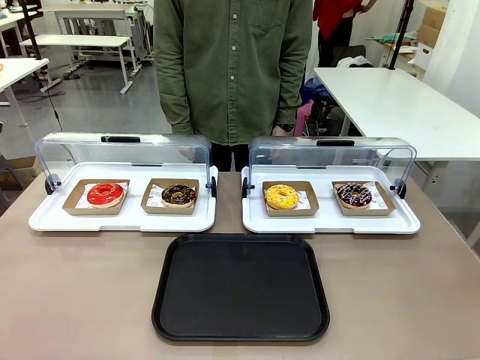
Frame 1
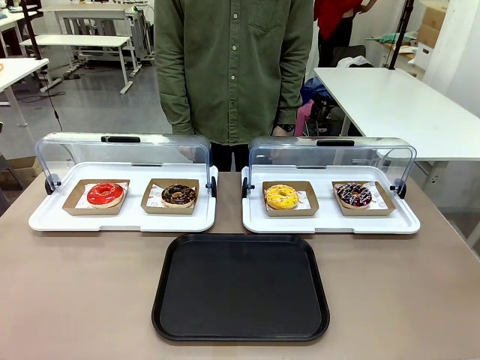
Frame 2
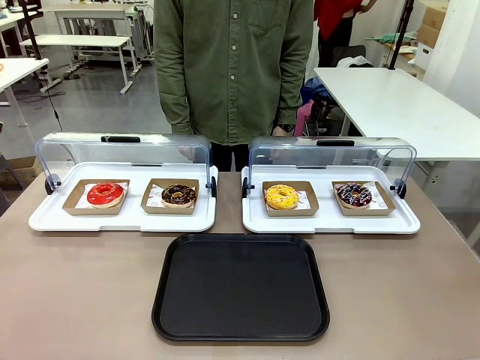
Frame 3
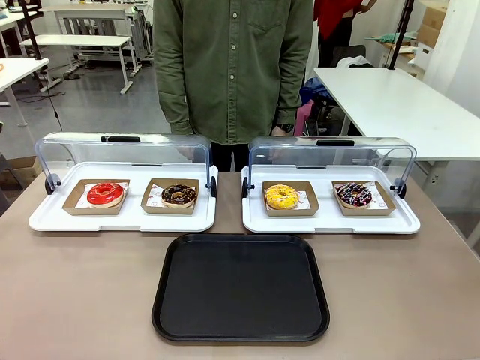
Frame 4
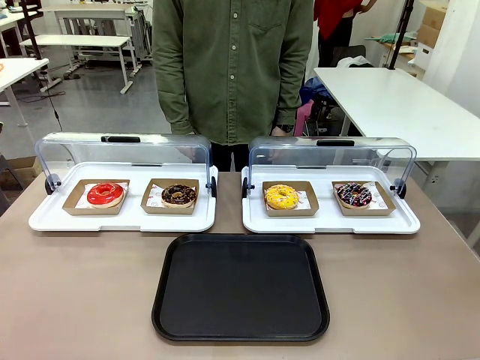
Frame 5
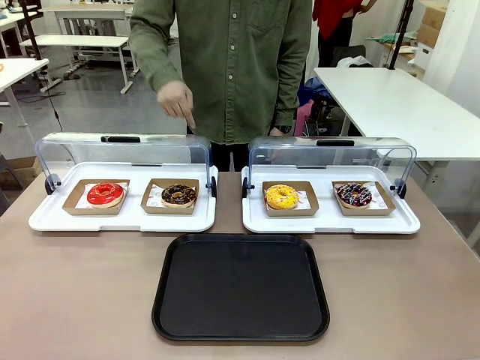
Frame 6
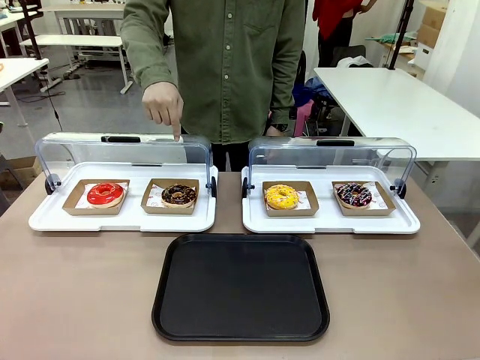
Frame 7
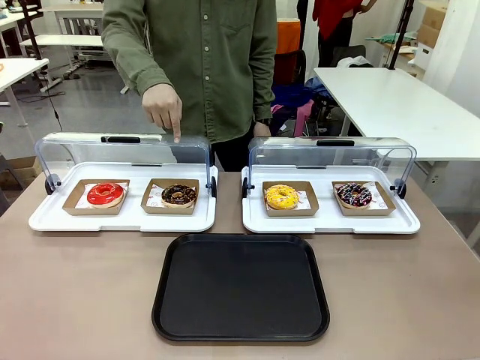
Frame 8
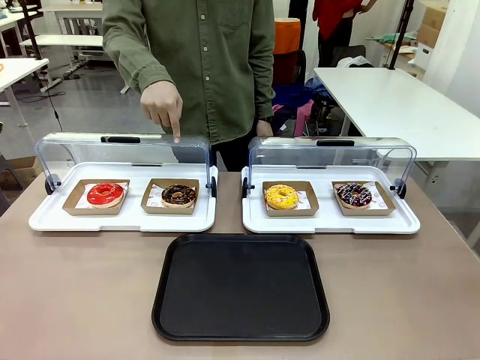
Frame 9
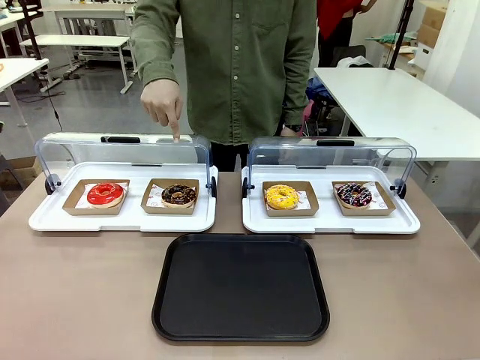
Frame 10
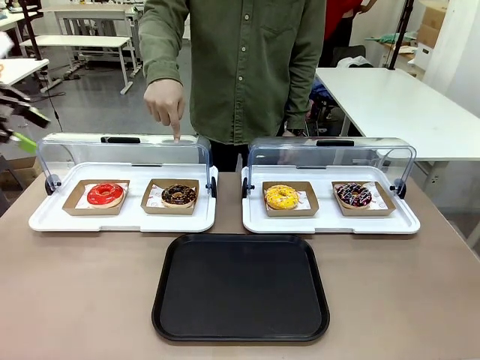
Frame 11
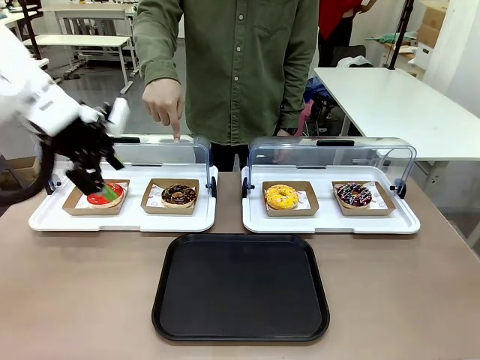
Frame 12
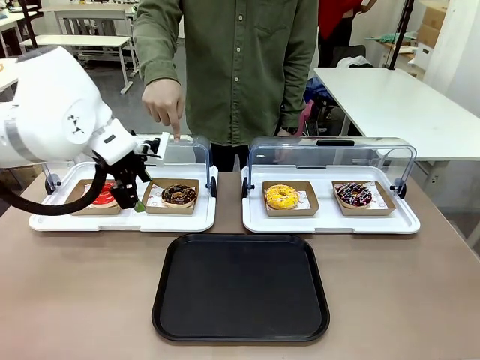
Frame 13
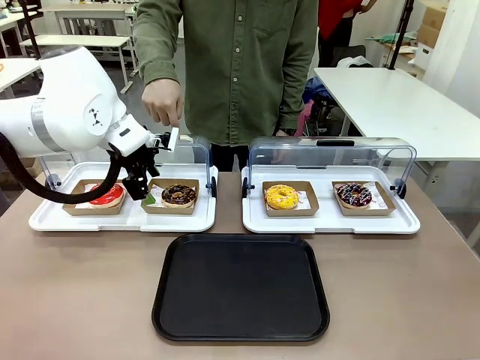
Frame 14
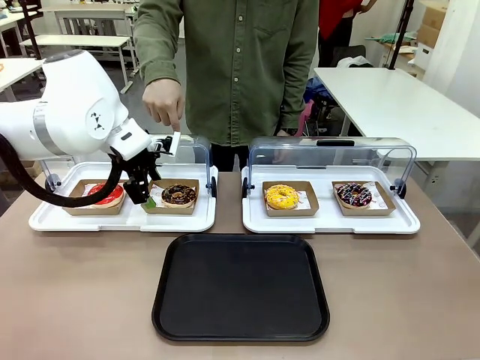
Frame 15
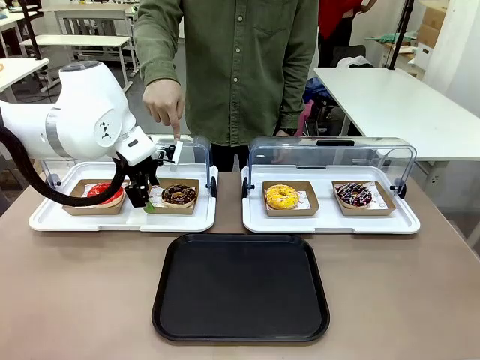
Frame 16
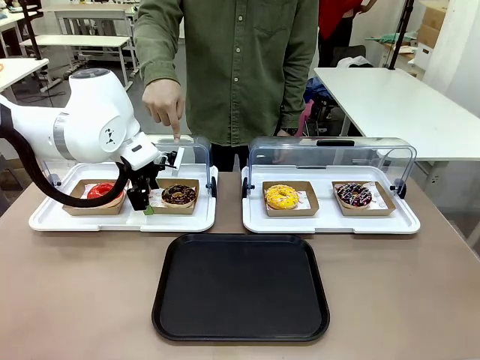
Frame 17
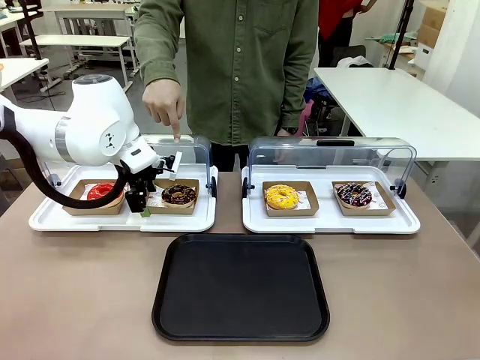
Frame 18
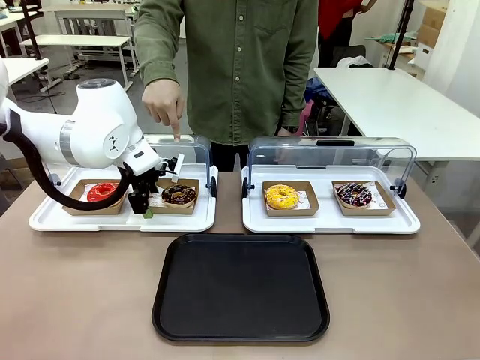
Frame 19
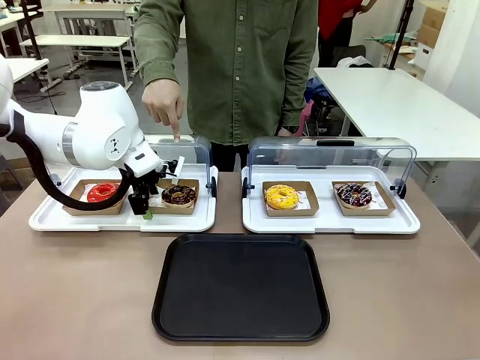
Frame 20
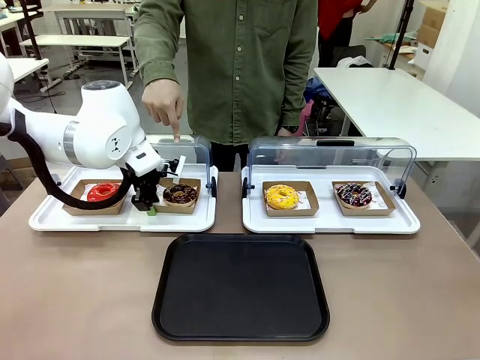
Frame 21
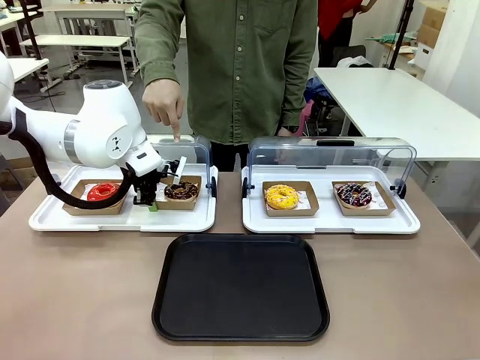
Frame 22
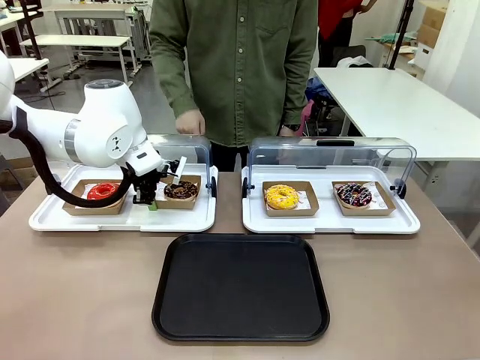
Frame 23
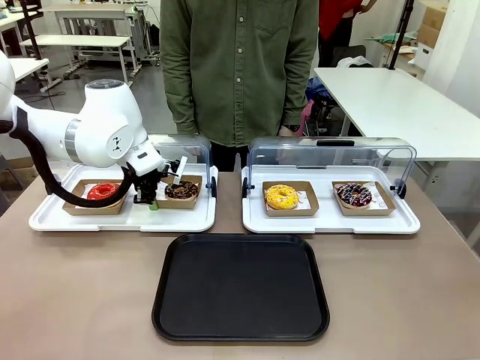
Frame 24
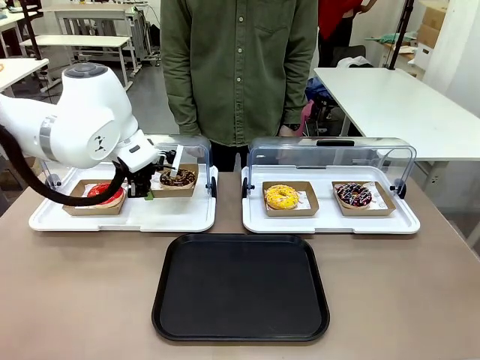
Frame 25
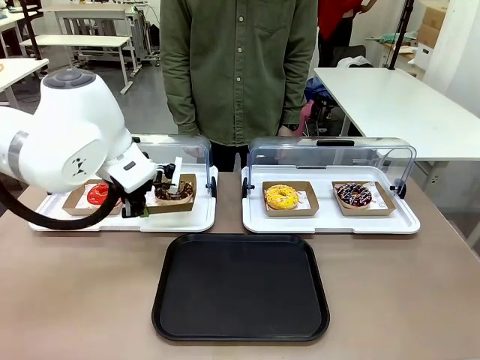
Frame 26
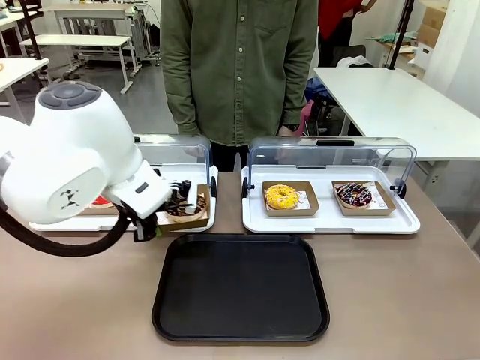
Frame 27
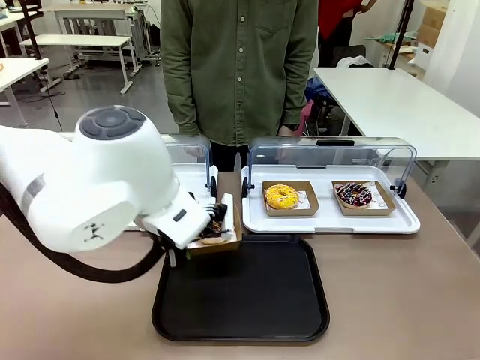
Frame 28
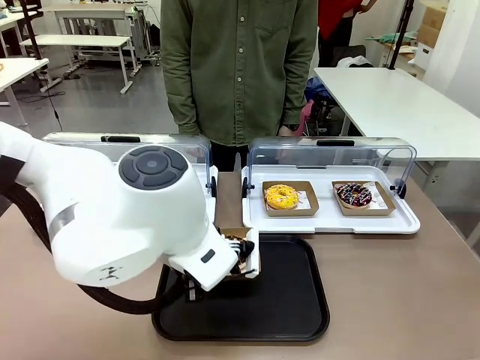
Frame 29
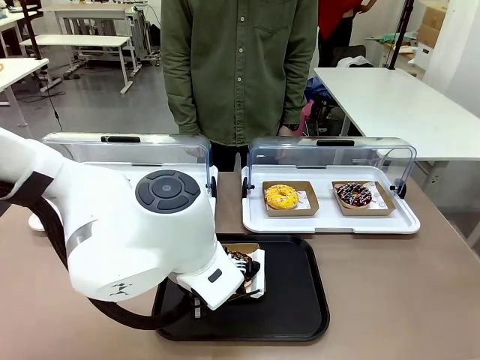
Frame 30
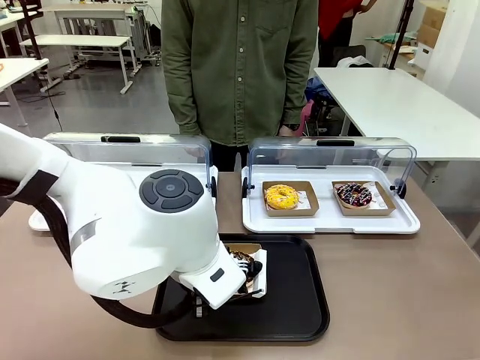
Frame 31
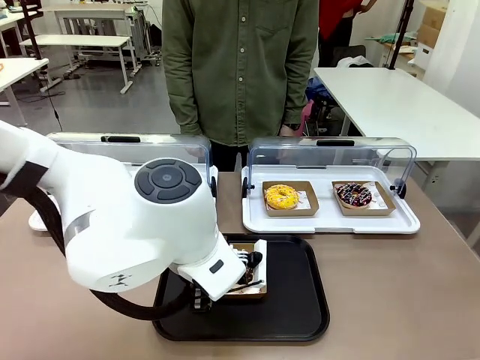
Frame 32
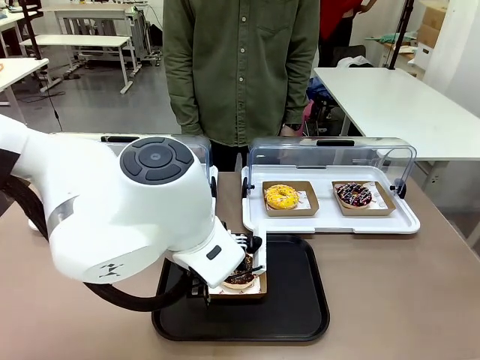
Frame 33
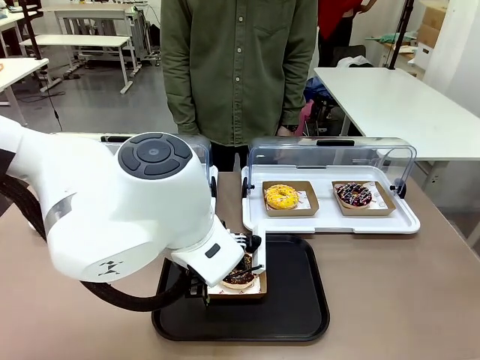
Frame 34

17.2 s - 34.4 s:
Task: Move the second donut from the left to the tray.
Robot: Pick up the Paper togo box containing the Donut indicated by the person and place it on the Handle tray.
